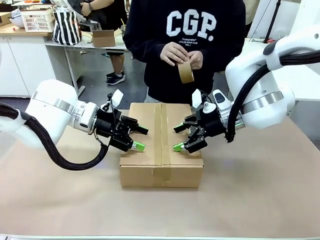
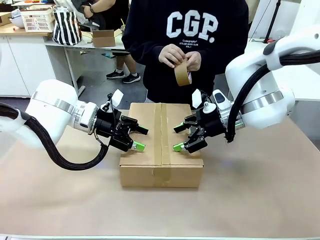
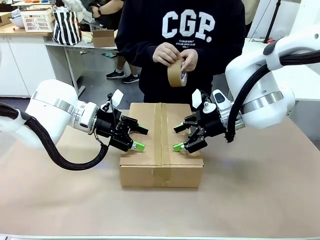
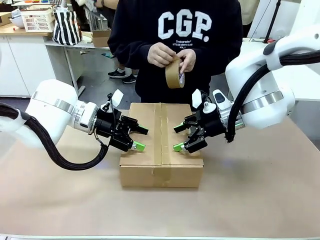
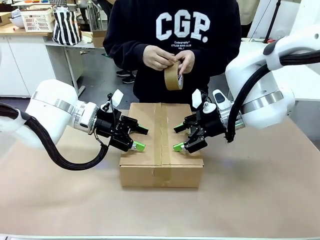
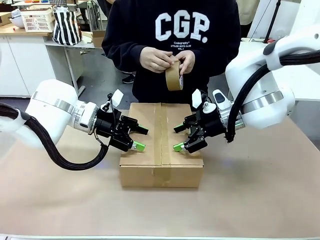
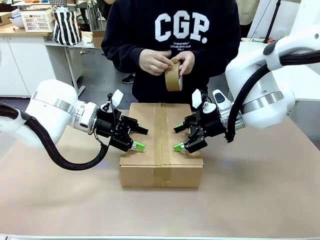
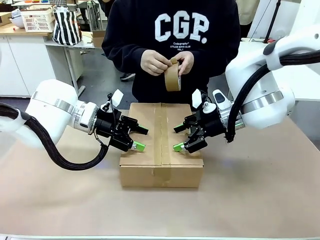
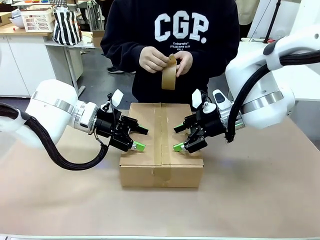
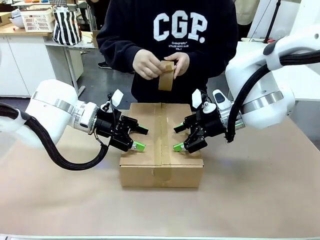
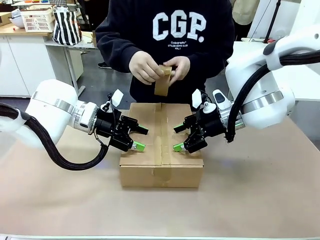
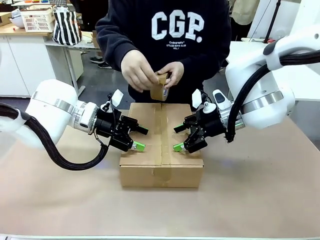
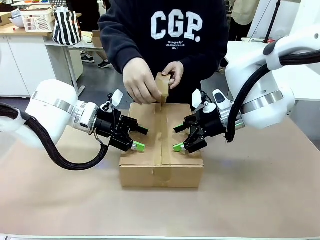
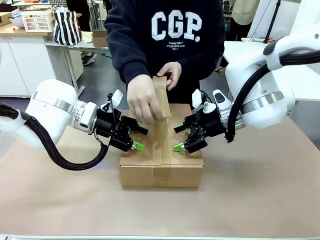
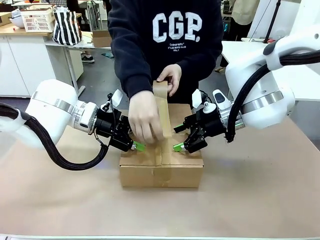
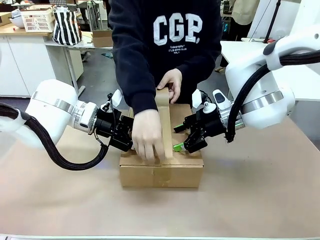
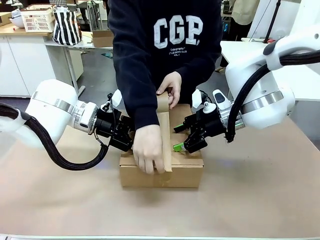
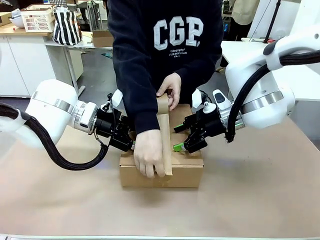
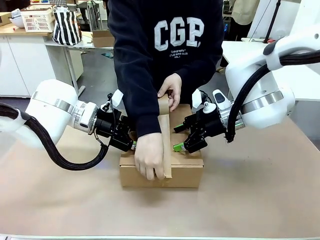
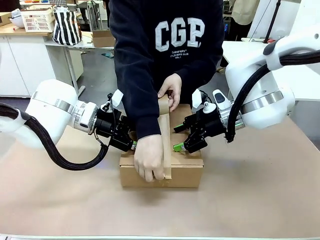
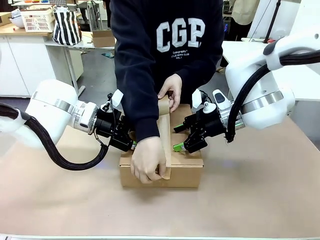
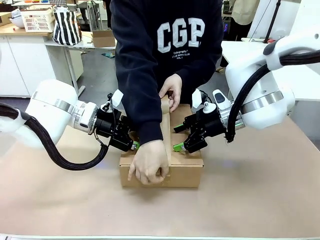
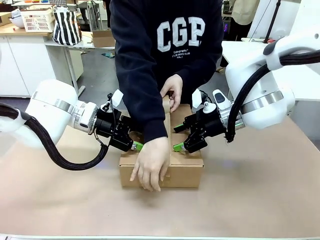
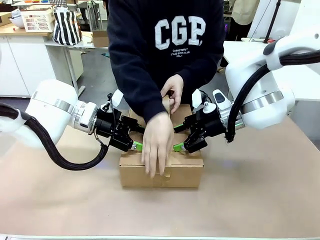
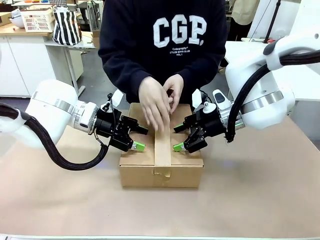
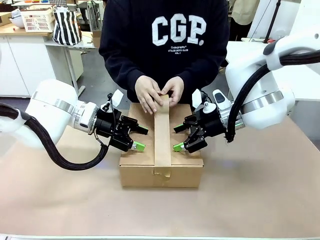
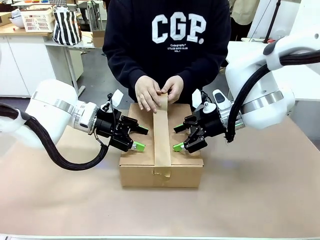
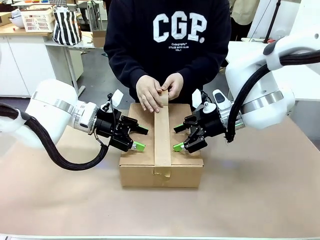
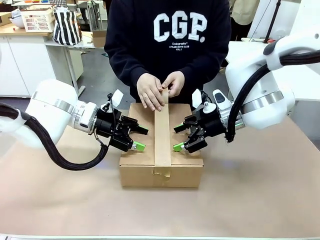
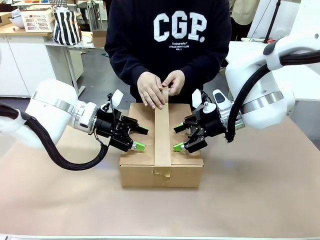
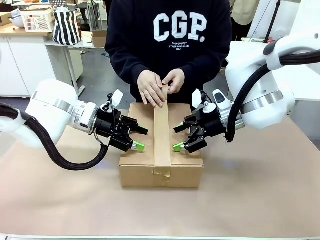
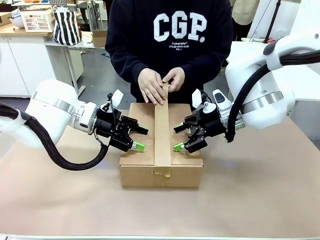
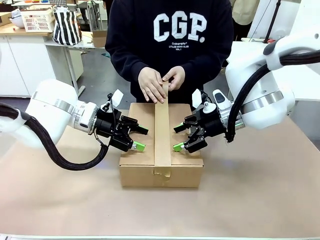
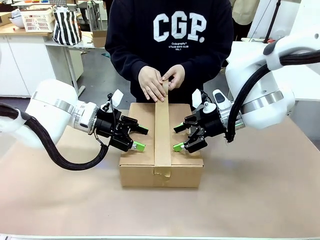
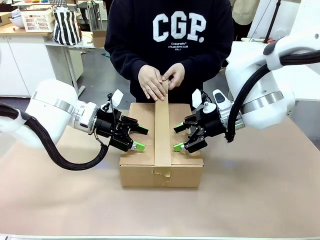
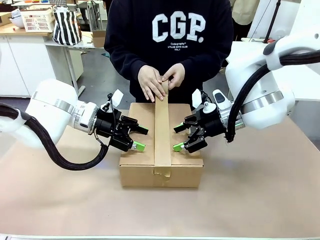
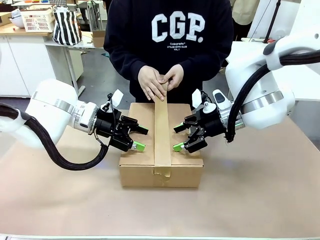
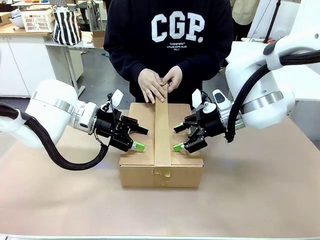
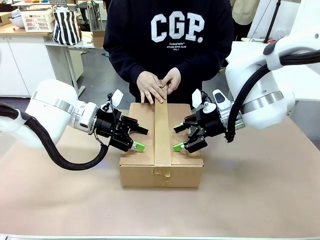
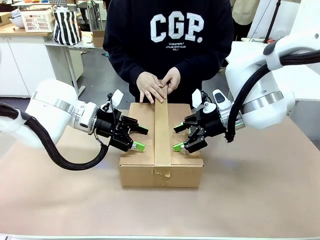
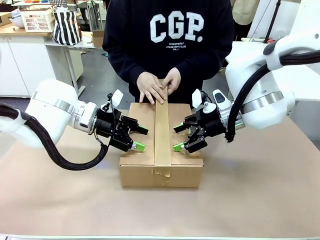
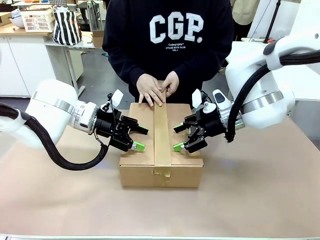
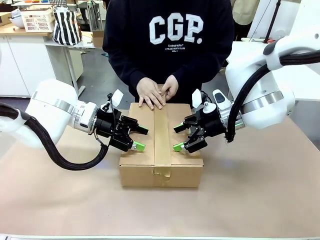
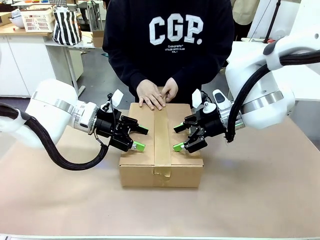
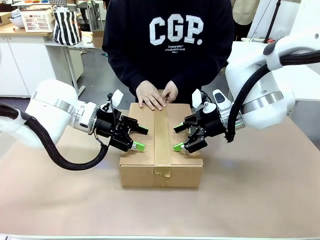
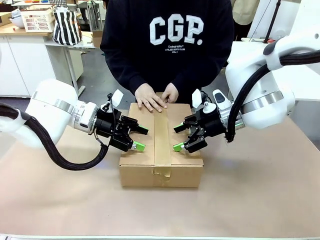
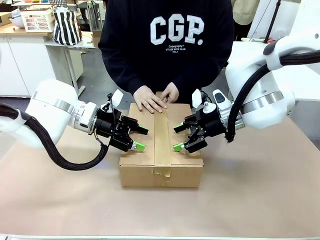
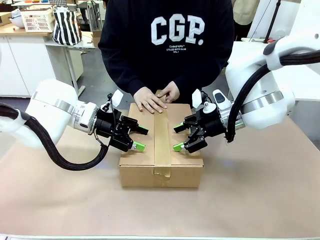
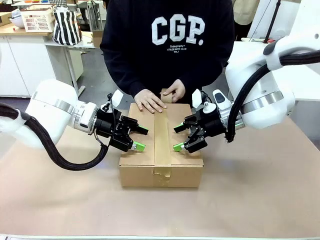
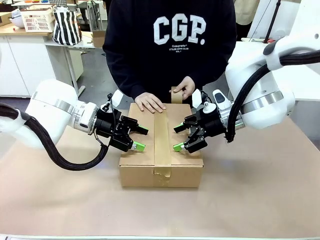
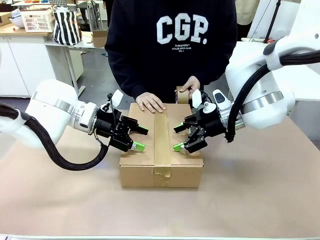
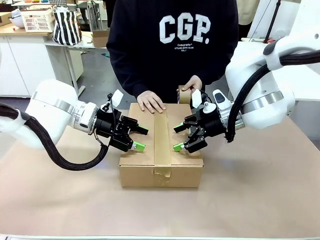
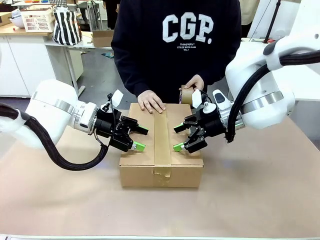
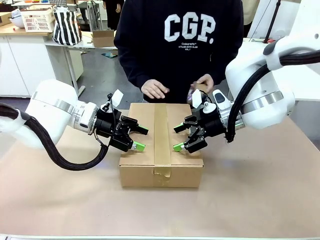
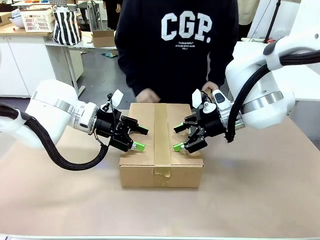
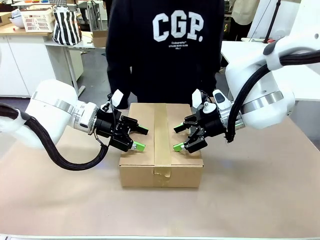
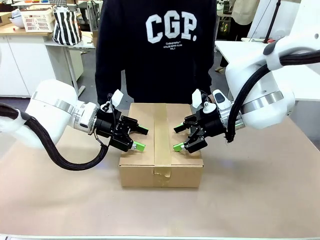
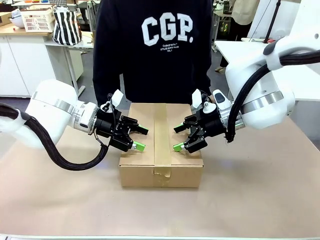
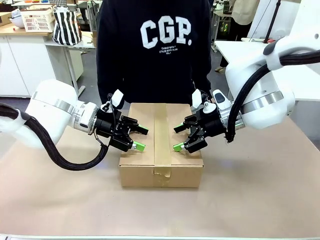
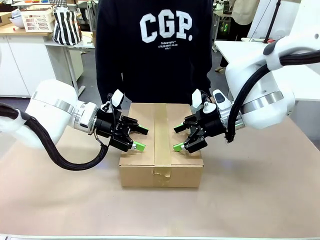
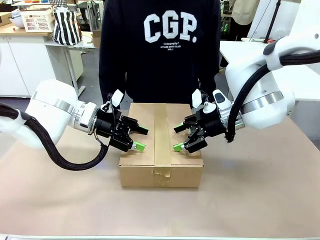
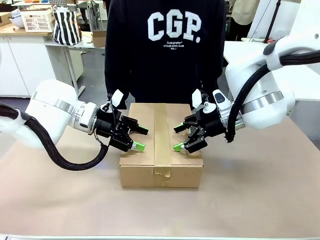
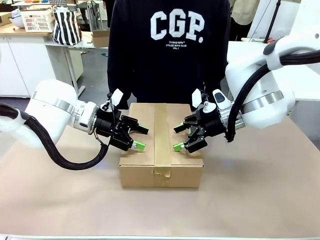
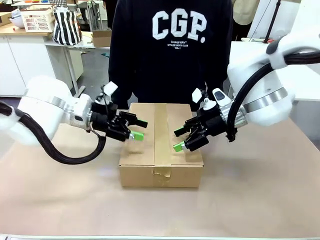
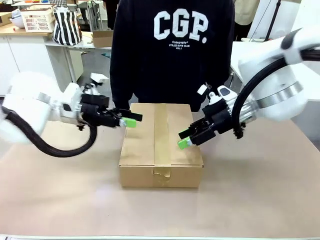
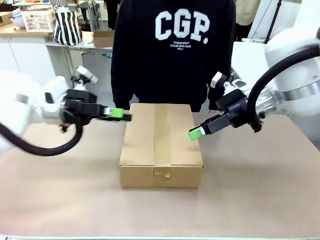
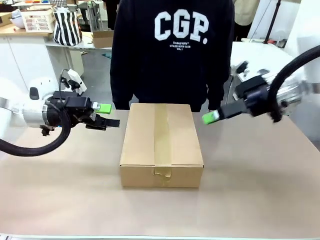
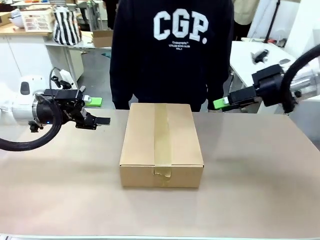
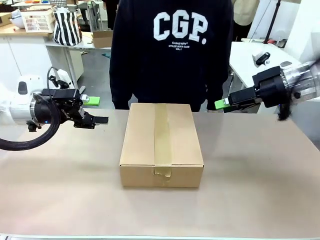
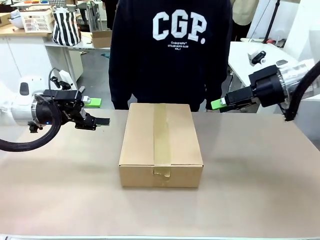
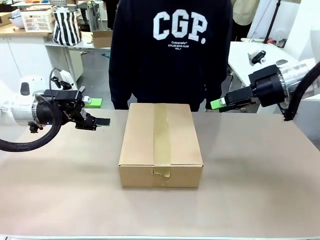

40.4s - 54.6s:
Task: Pack the gift set into the box.
Robot: Press and hold the closed box until the human finishes sealing it.
Person: The human picks up the paper tape from the human table and packs the box.
